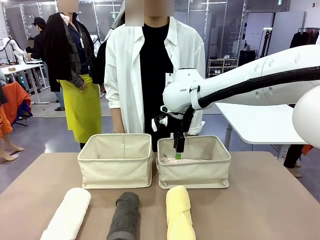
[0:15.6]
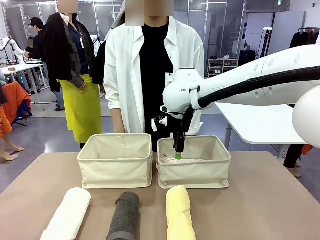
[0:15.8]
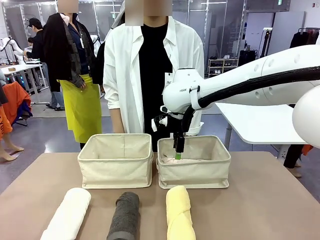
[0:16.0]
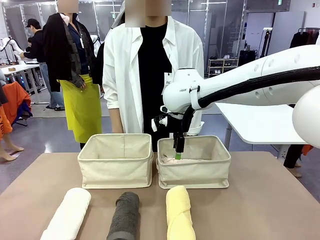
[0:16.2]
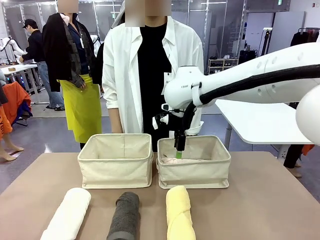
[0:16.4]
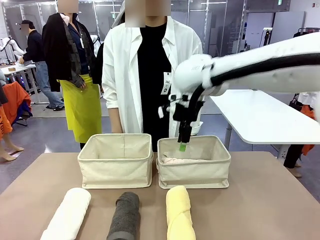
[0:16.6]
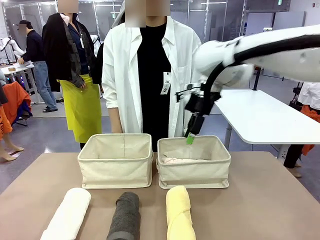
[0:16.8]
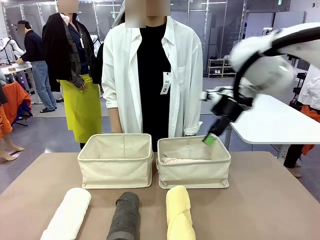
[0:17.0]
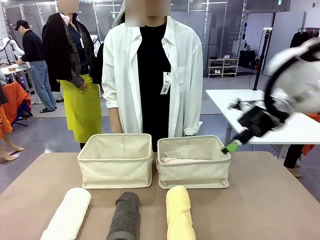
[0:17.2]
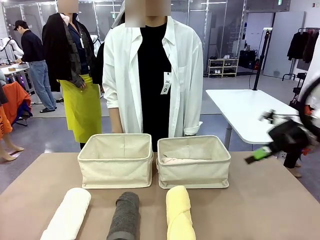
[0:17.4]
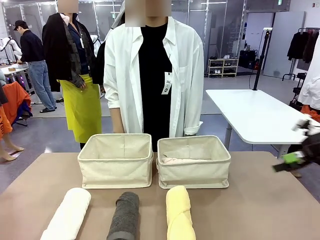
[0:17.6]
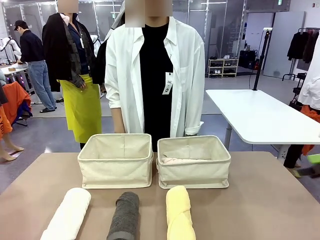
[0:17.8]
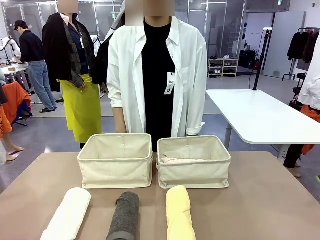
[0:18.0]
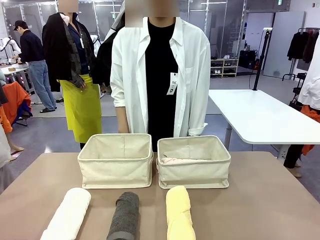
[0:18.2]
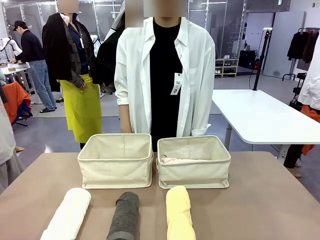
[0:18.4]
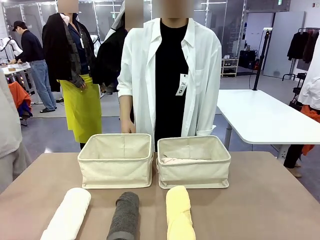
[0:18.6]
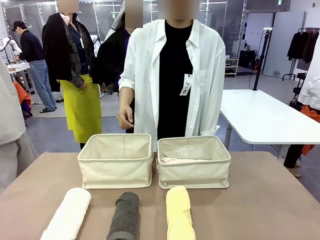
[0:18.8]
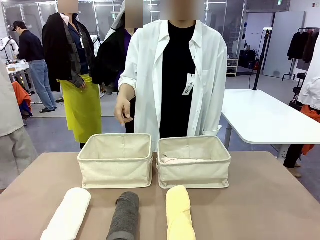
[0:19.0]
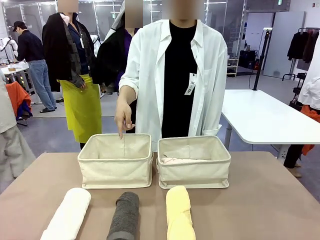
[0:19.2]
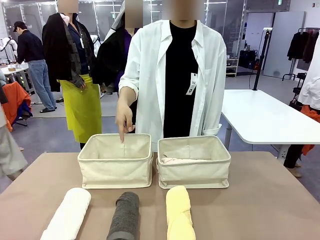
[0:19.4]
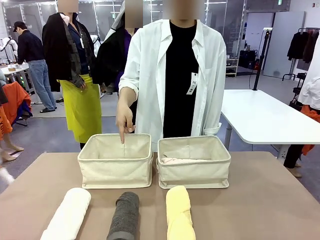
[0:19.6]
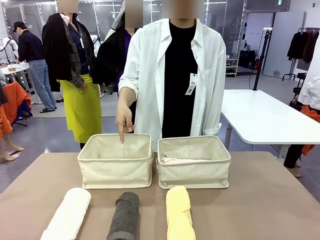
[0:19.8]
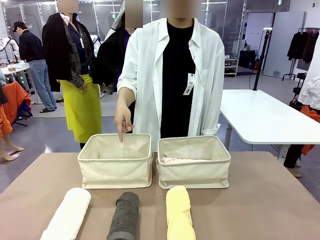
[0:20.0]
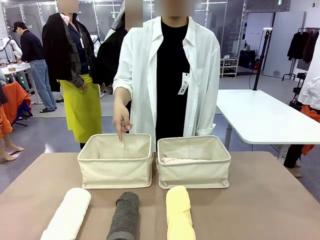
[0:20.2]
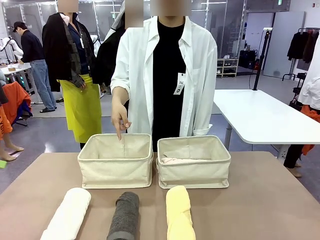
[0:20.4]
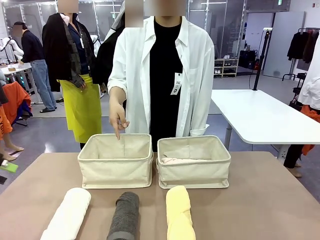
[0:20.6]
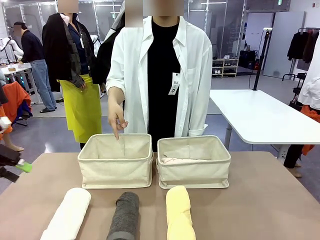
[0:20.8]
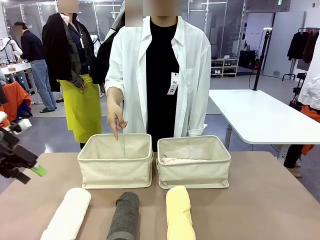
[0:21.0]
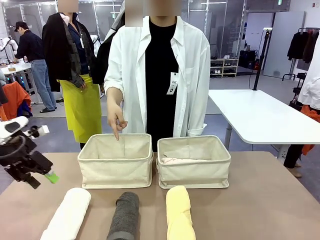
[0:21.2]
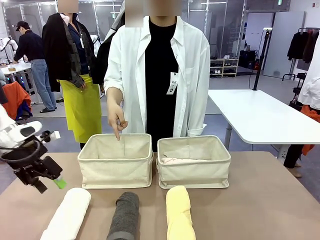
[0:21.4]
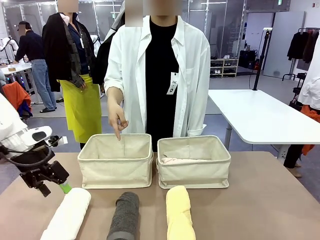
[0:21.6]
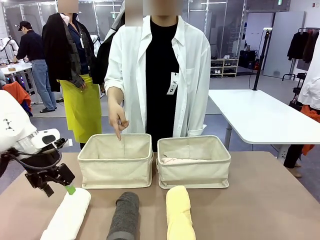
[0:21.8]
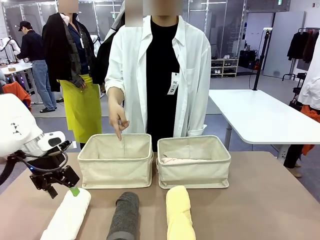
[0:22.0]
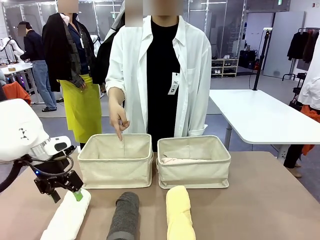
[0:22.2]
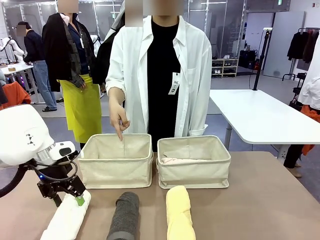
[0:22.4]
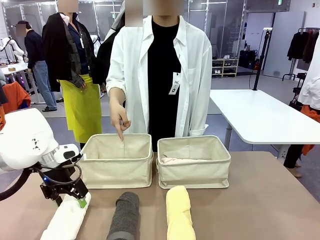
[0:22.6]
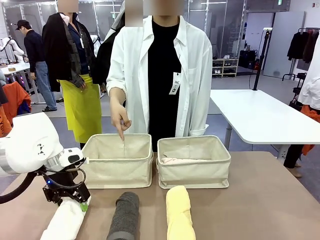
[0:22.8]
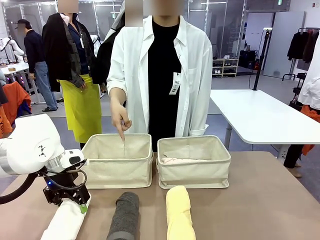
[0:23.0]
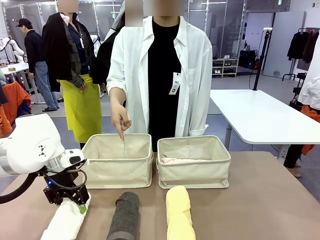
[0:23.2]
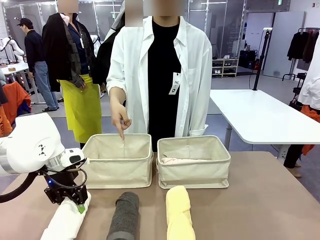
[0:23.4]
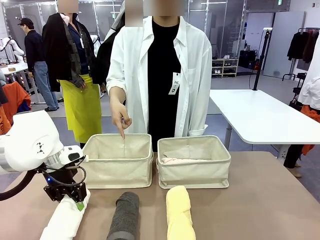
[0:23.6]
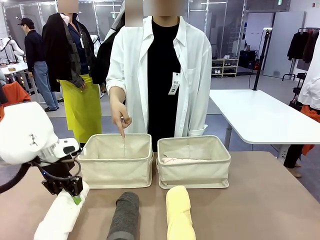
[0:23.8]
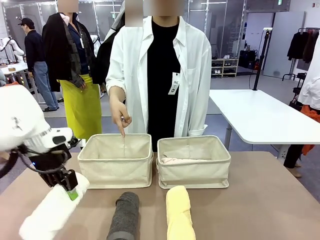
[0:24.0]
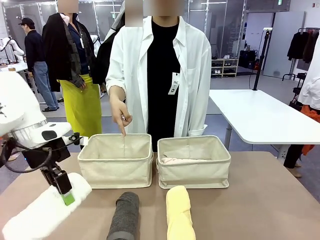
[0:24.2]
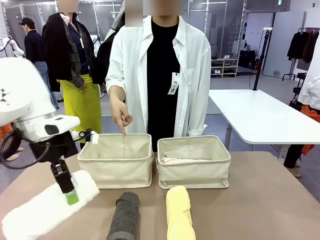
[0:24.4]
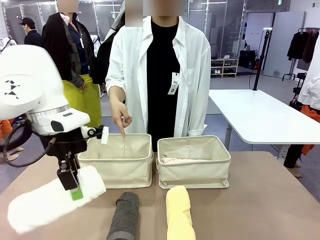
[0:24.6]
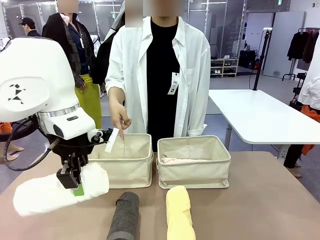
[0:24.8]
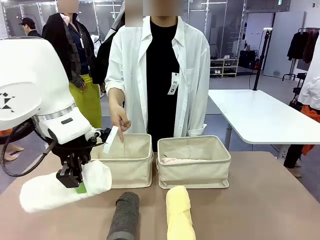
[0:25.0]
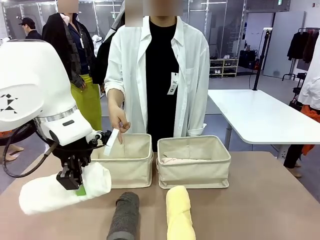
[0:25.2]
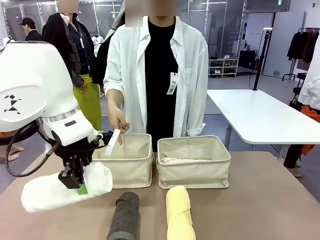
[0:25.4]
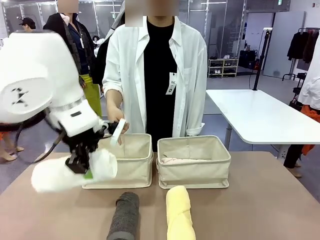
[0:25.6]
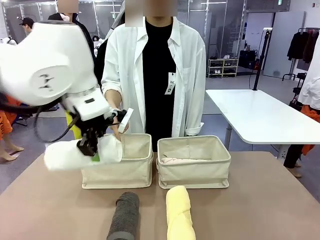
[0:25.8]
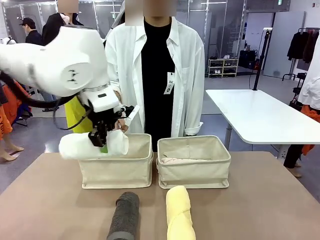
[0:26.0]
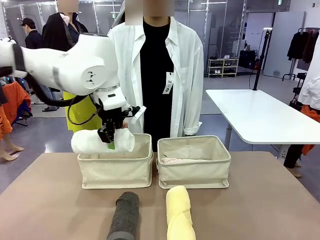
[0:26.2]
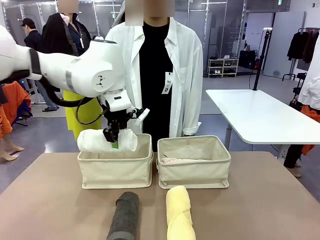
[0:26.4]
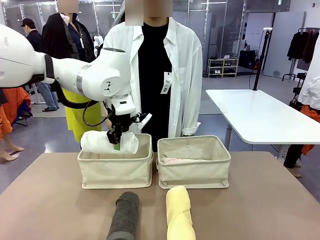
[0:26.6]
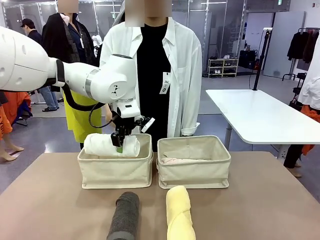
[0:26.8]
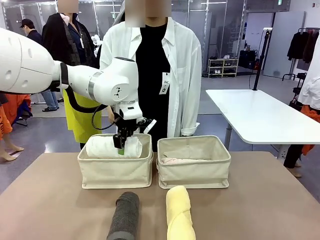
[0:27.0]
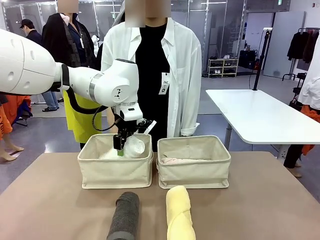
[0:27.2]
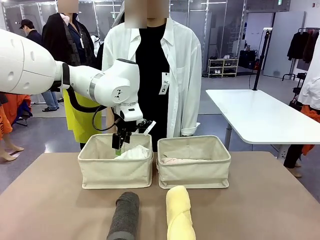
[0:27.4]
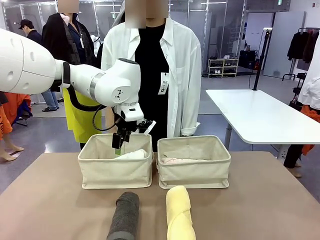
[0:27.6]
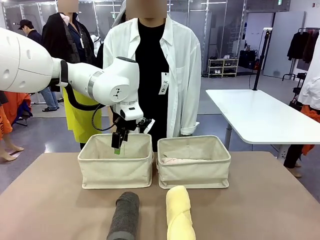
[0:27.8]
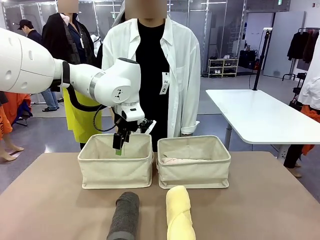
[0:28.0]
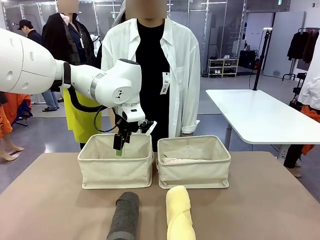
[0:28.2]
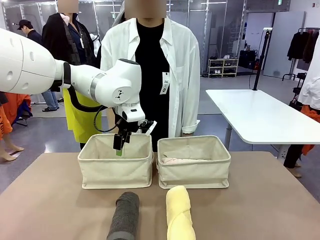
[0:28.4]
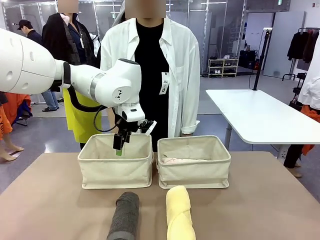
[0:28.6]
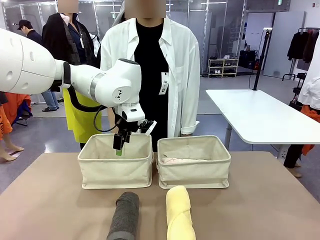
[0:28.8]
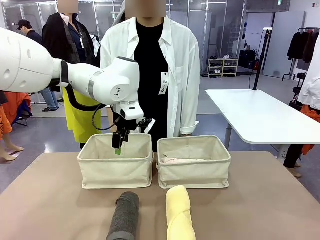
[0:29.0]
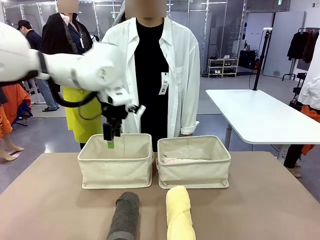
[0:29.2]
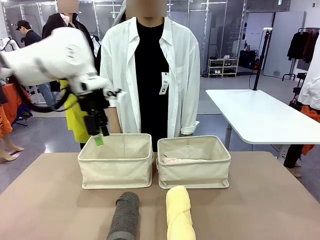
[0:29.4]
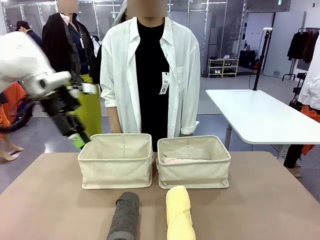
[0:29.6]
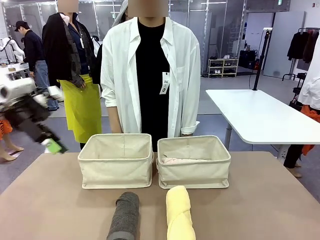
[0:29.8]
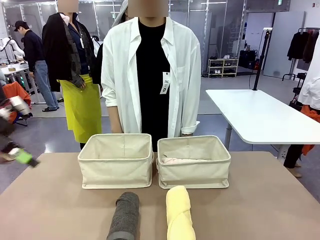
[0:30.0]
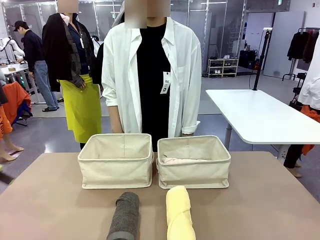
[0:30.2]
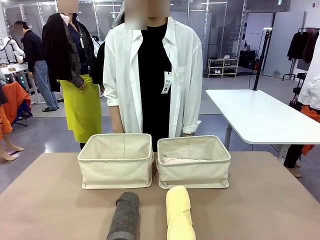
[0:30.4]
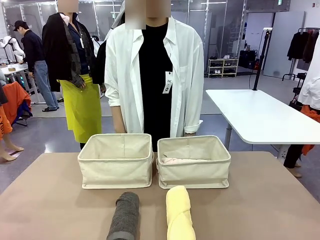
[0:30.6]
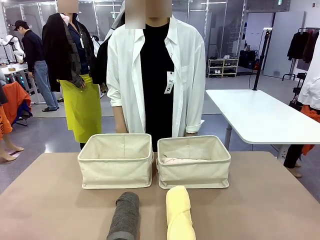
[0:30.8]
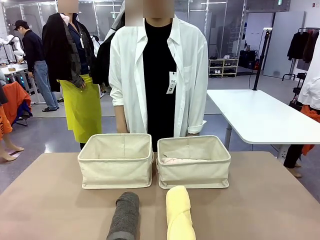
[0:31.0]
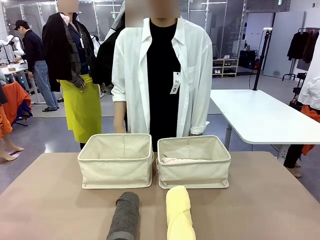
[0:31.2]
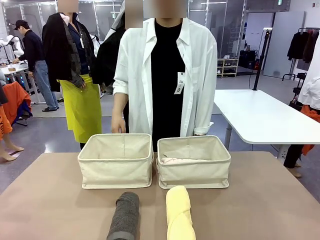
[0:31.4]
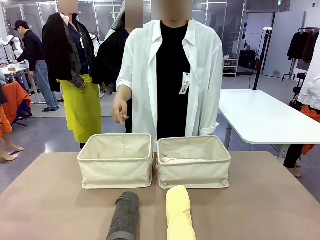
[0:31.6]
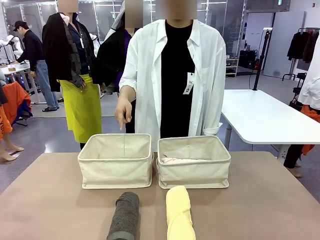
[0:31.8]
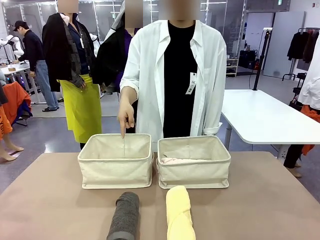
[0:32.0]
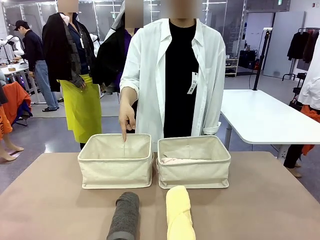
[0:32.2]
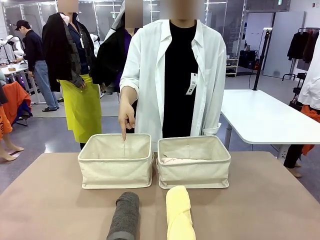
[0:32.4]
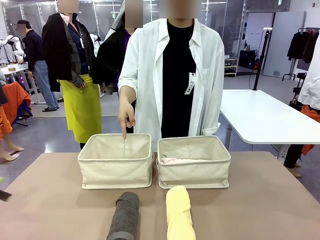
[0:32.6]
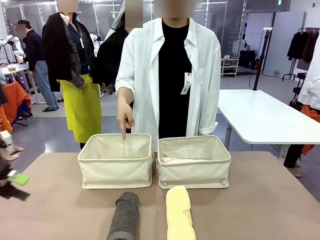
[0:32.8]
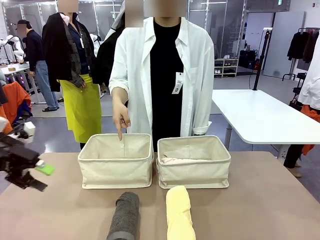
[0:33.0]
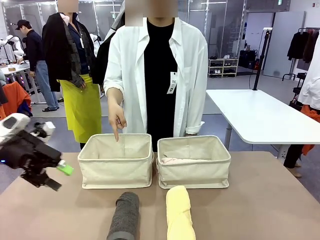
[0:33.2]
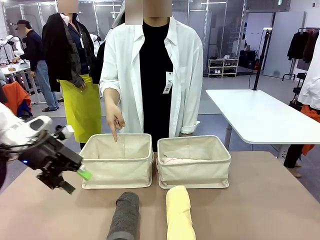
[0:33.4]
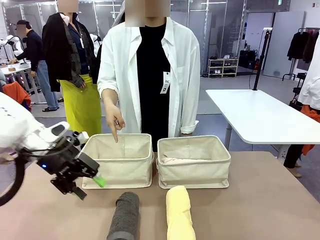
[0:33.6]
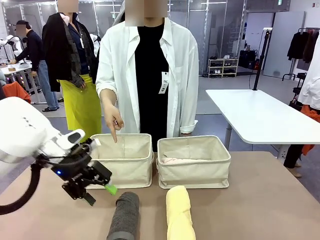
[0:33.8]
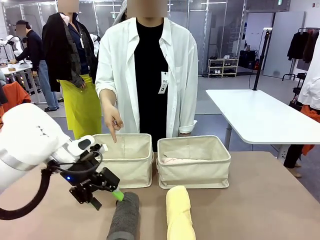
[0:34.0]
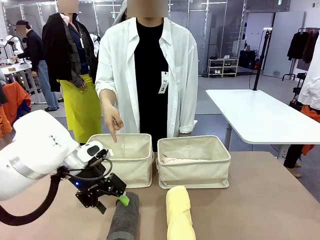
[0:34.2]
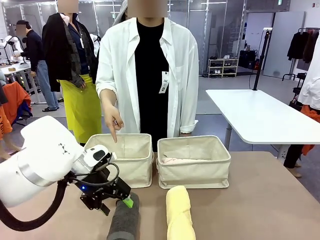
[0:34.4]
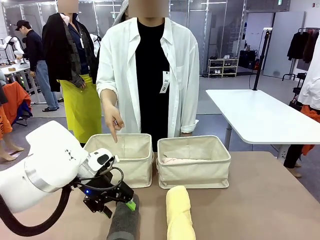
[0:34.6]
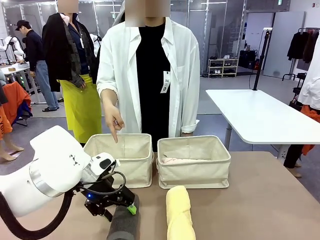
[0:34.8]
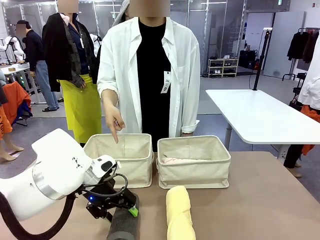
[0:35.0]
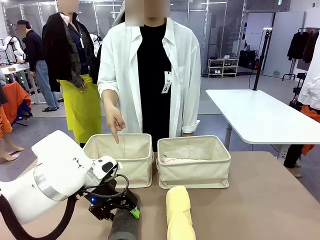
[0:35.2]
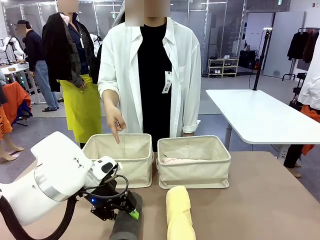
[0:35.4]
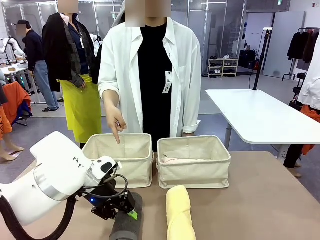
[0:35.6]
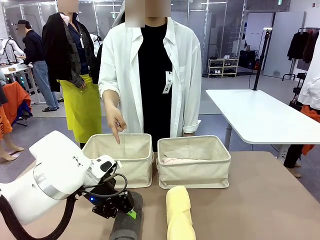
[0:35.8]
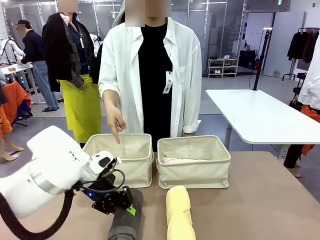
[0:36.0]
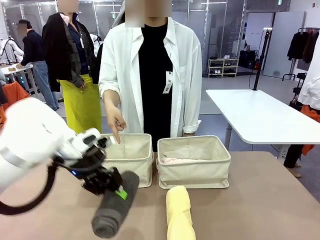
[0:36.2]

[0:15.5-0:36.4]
Task: Divide the towels into two baskets.
Robot: Pick up one hotel-folded towel from the bottom of the table and place it in the Fabric basket indicated by the person.
